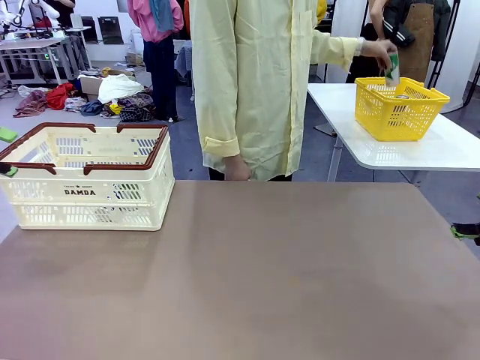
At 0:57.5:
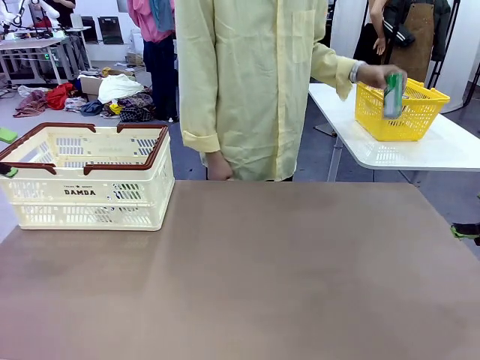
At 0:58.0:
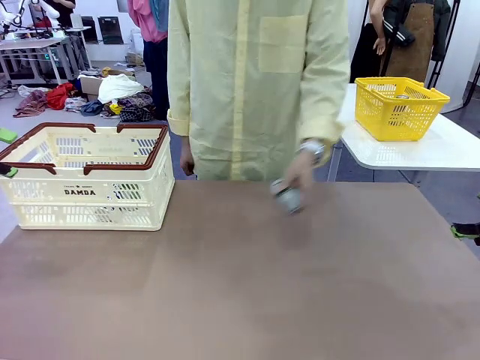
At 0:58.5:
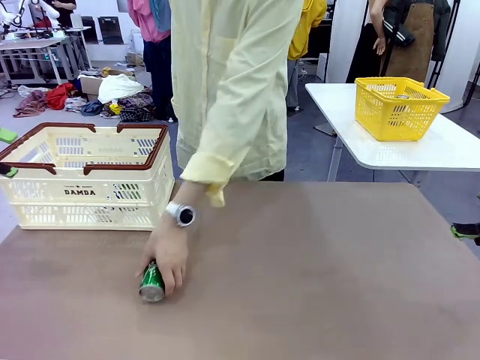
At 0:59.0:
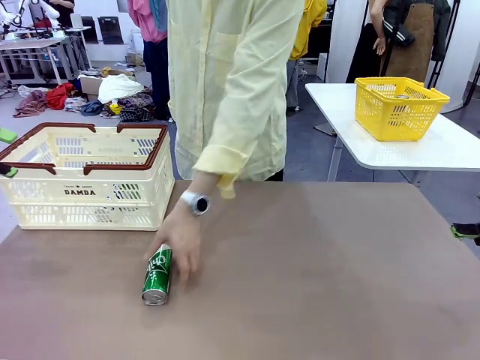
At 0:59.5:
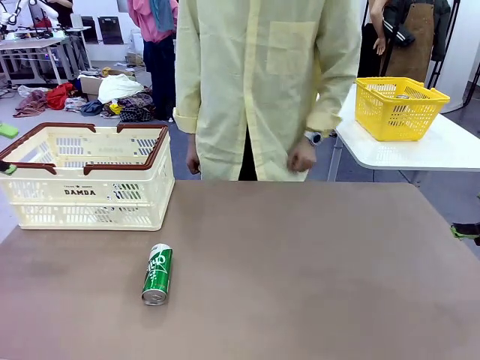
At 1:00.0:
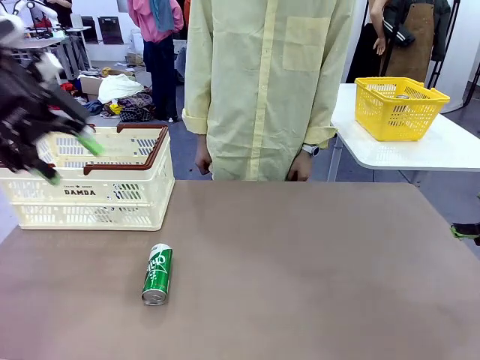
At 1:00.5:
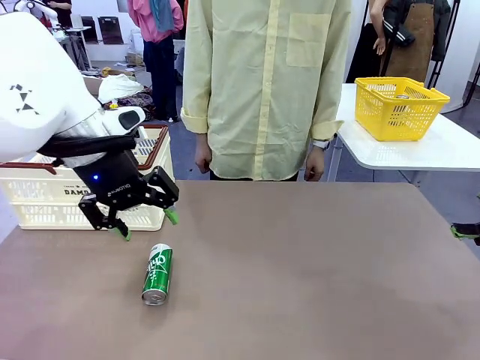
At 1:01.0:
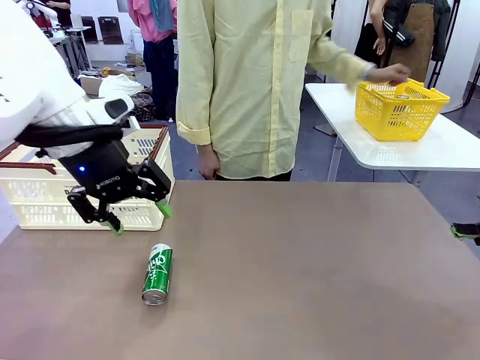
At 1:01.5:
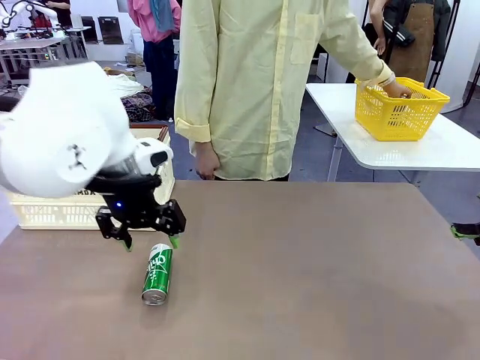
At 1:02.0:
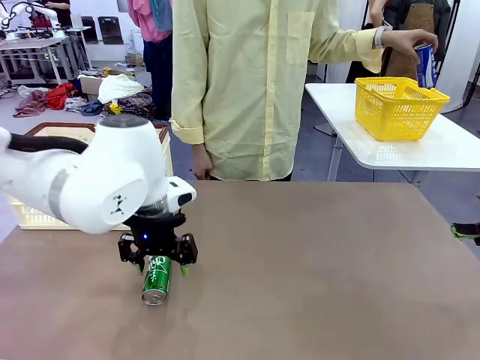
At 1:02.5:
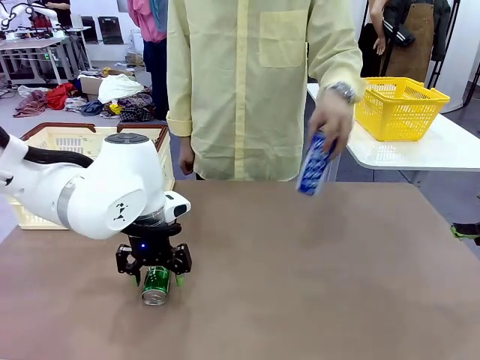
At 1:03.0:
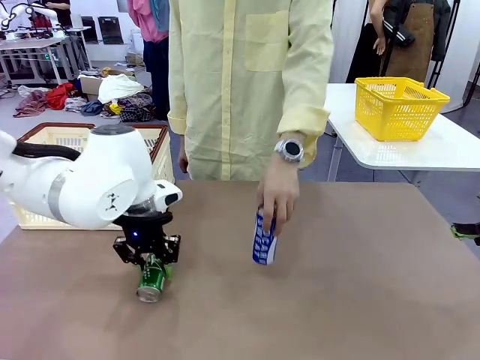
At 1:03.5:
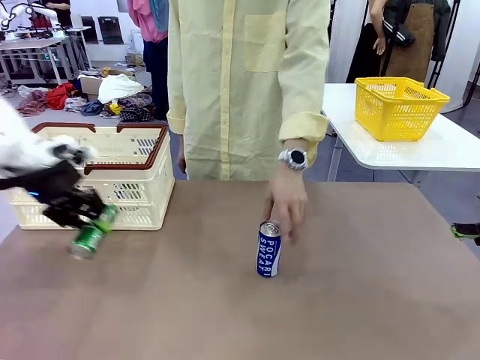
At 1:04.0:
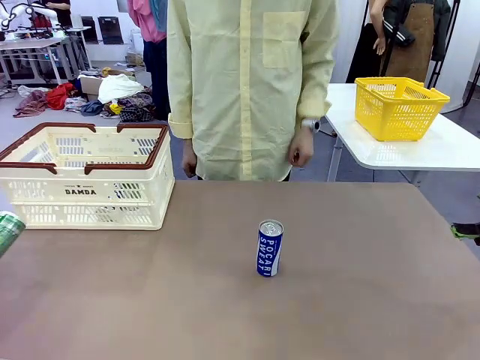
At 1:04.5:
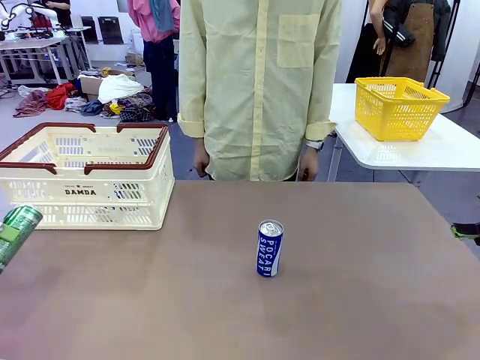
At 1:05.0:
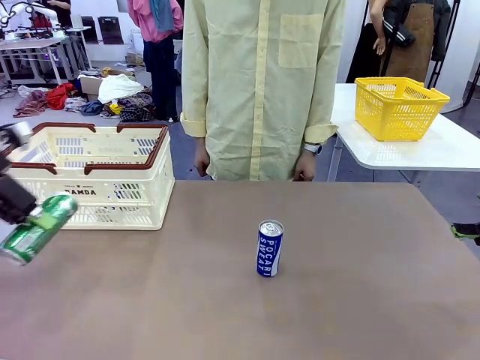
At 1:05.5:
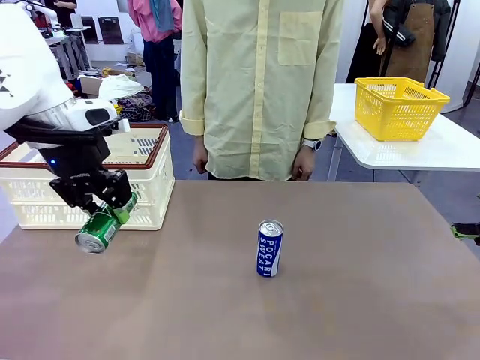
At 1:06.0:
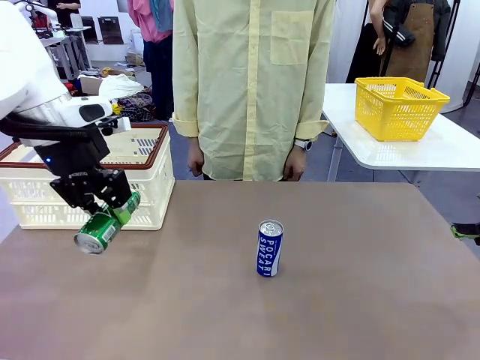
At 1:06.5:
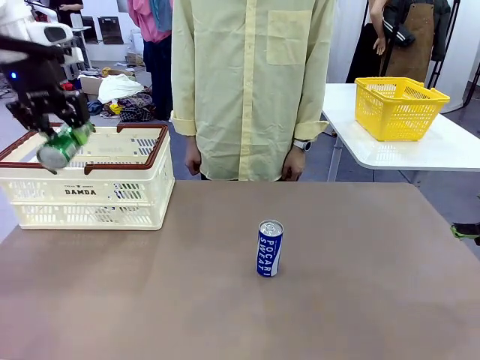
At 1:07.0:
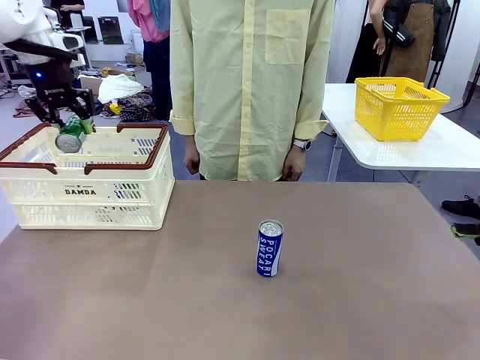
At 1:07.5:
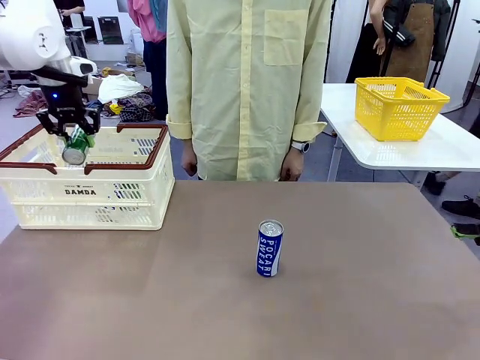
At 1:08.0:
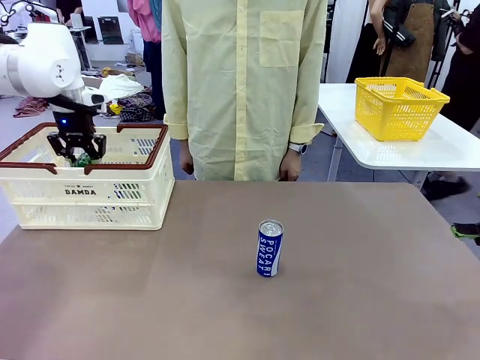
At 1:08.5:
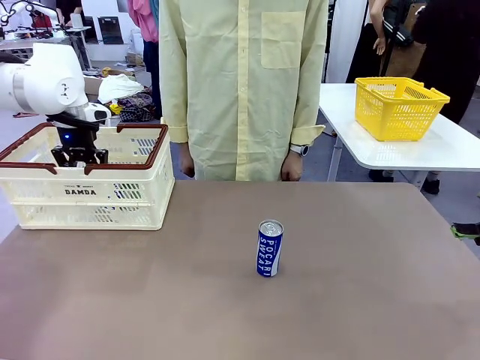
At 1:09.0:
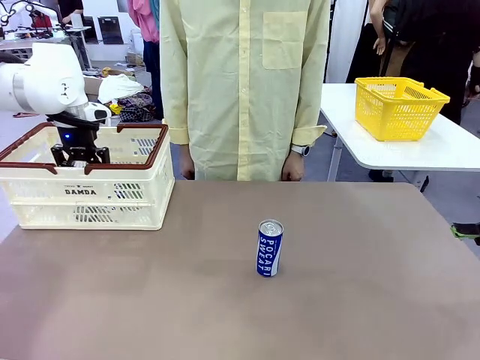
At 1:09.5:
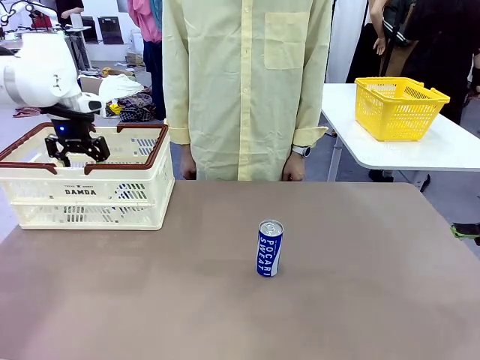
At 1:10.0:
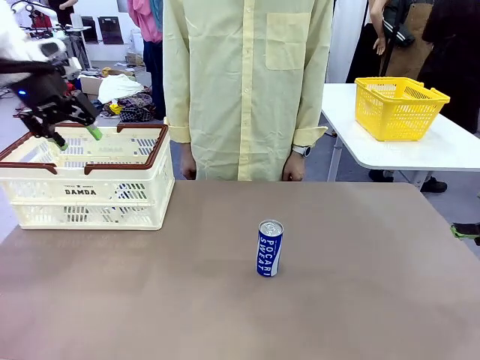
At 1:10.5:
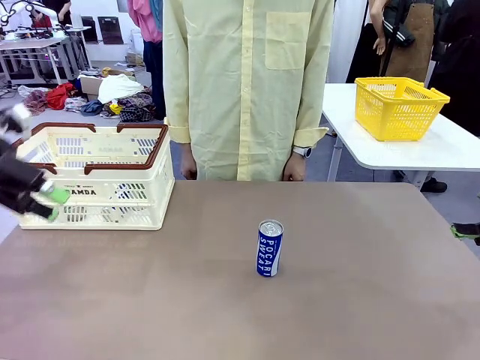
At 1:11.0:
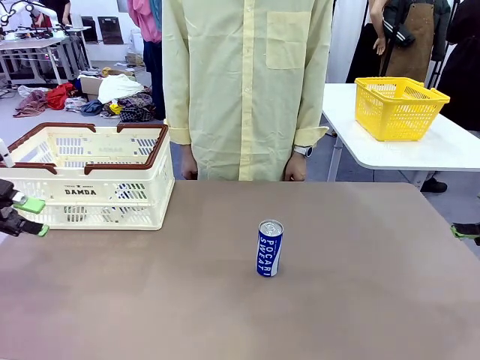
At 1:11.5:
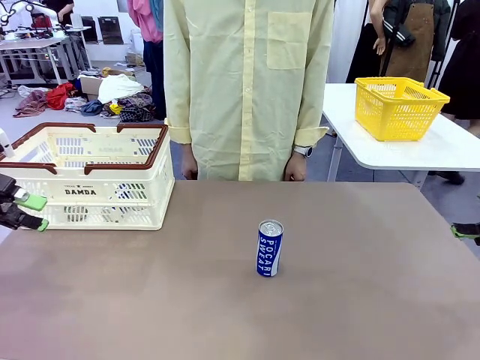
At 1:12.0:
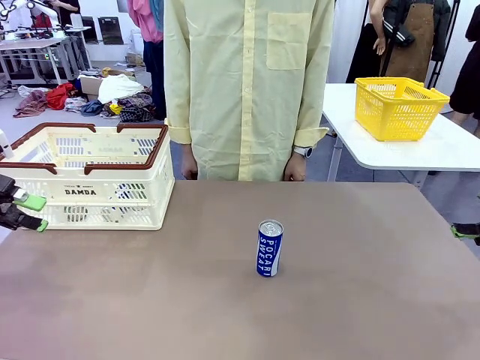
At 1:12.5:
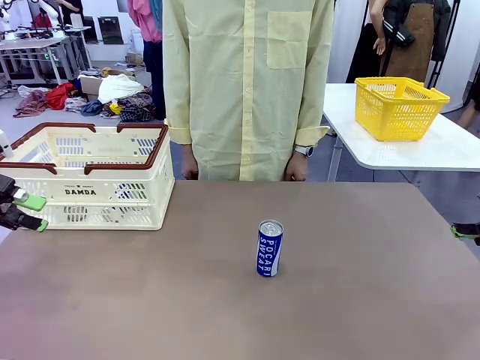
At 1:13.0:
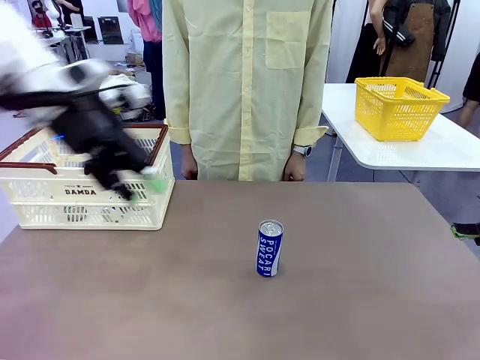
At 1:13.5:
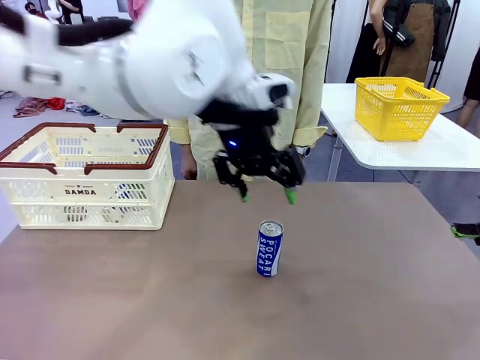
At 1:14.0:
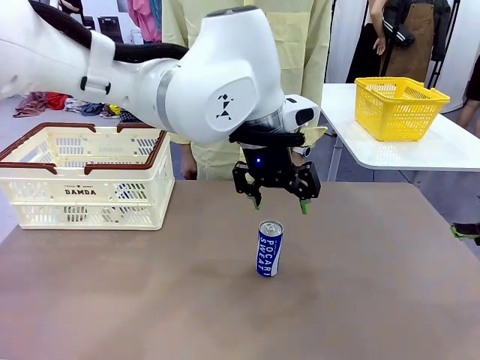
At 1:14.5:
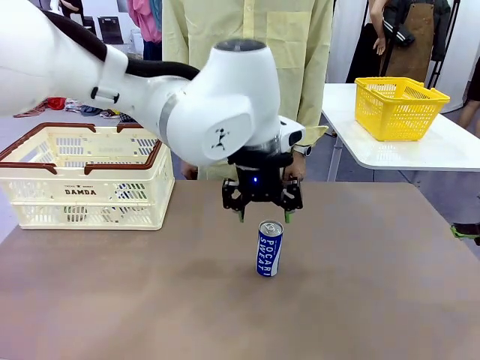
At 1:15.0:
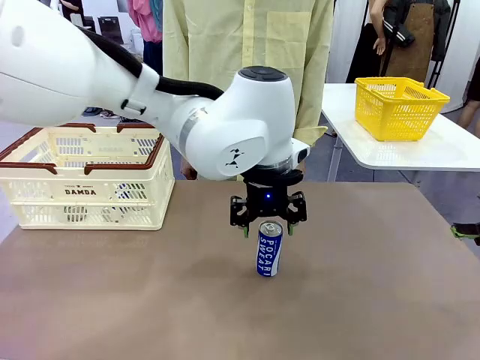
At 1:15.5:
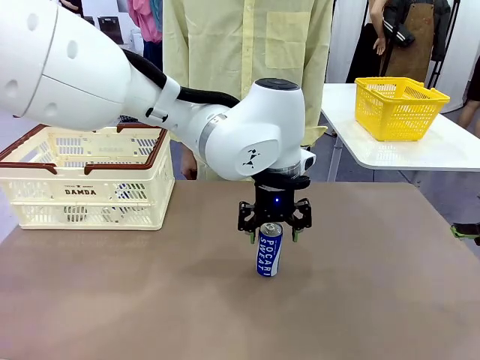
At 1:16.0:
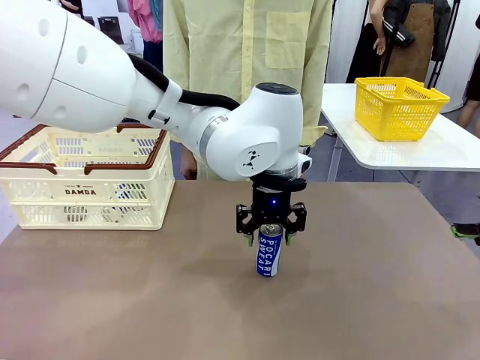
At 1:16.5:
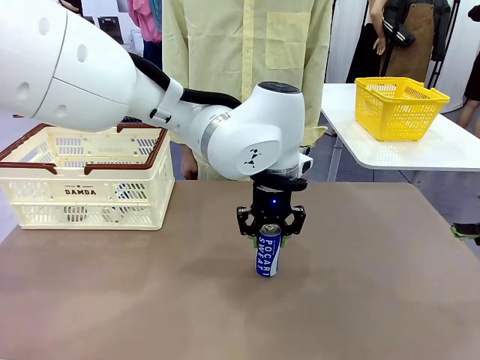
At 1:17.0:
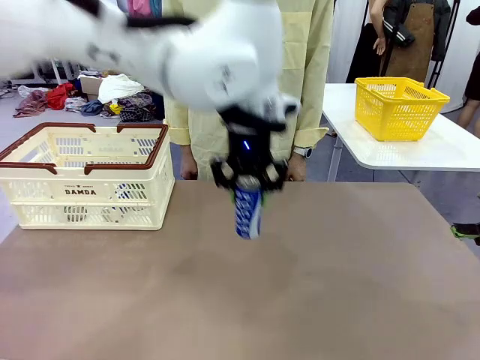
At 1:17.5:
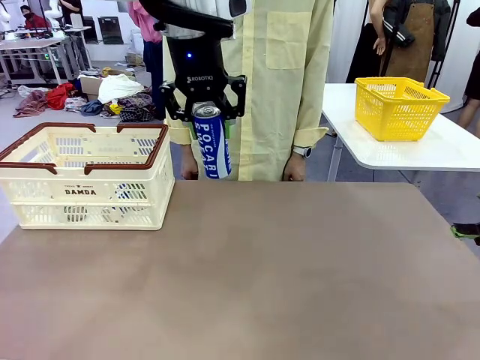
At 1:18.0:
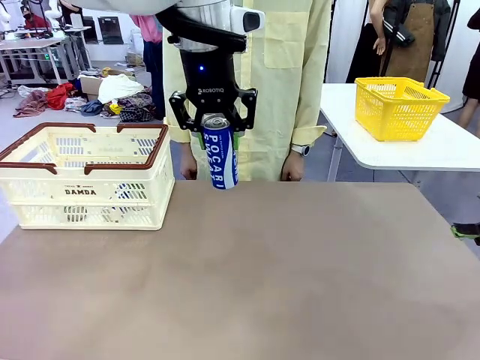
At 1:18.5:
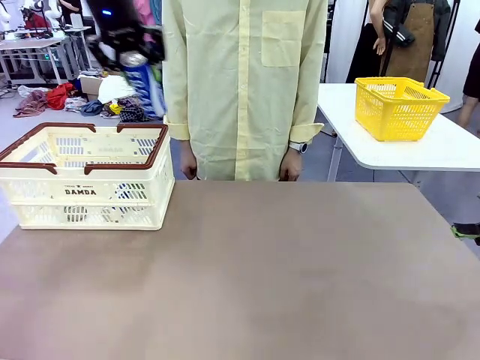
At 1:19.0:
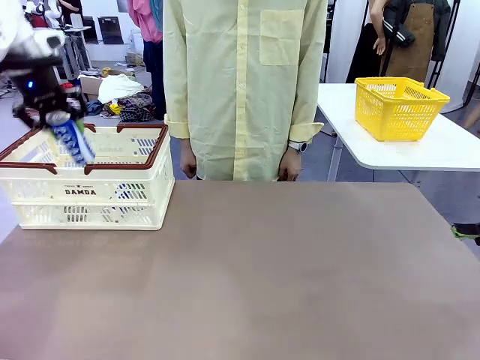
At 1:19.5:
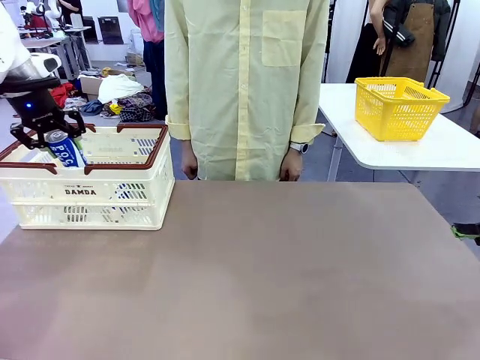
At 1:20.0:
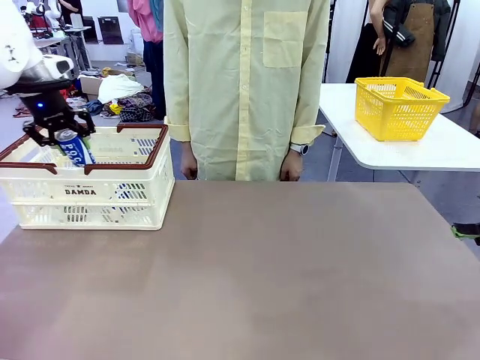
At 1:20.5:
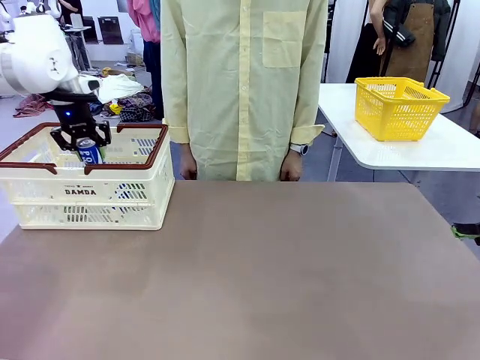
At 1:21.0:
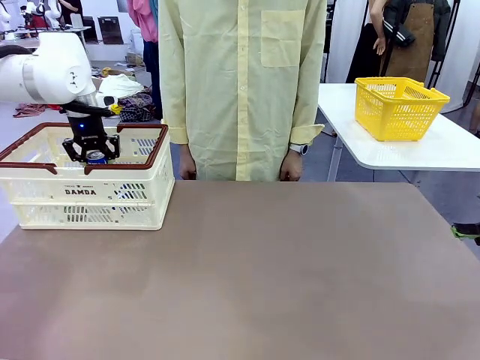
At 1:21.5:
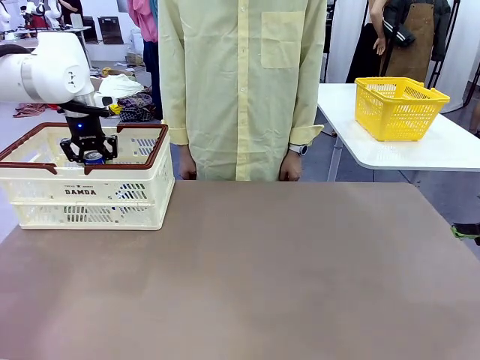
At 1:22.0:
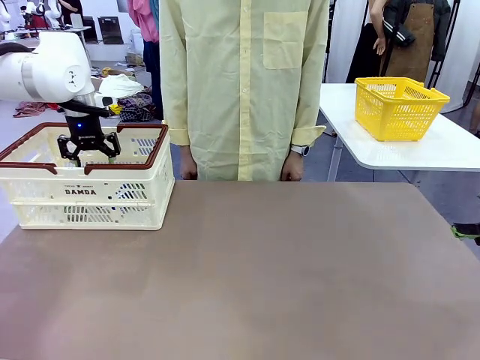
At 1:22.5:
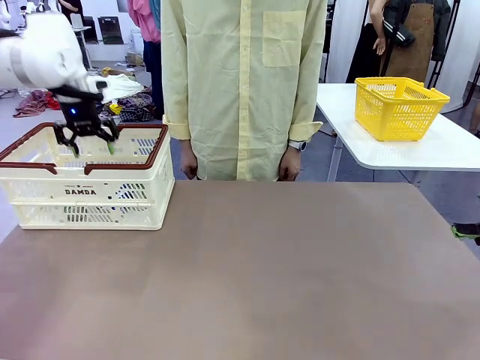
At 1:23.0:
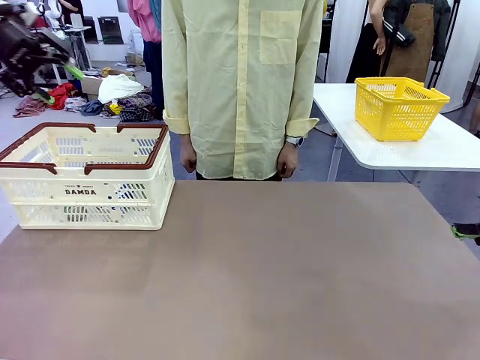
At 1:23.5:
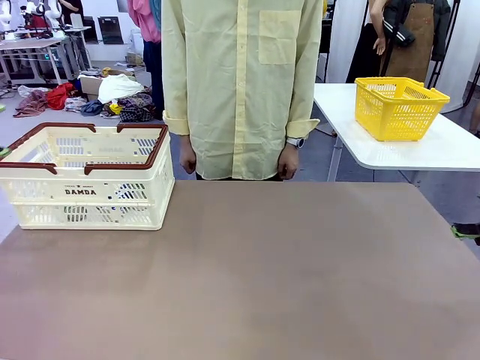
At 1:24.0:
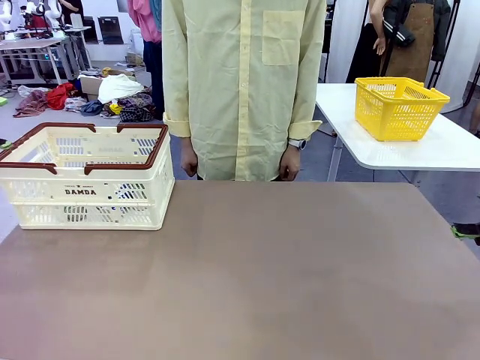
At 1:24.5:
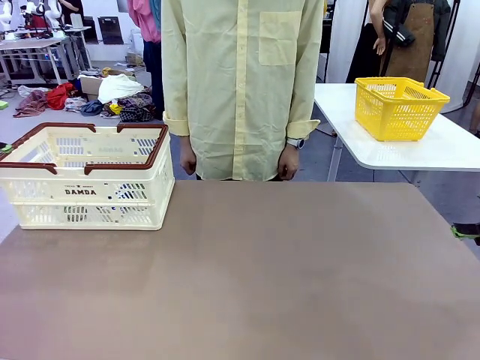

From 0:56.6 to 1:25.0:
Task: Place the drinks into the Shopping basket.
Robot: Pick up one drink and place it into the Shopping basket.
